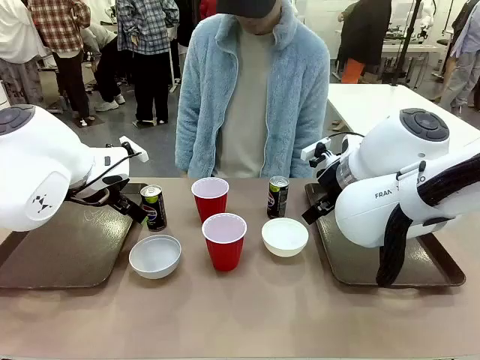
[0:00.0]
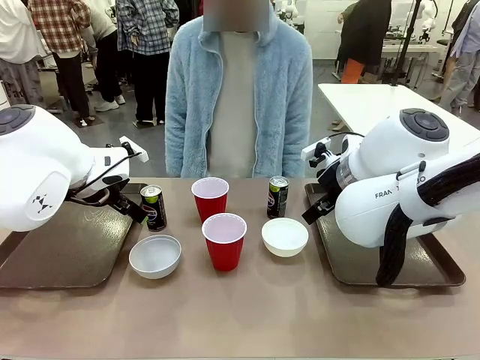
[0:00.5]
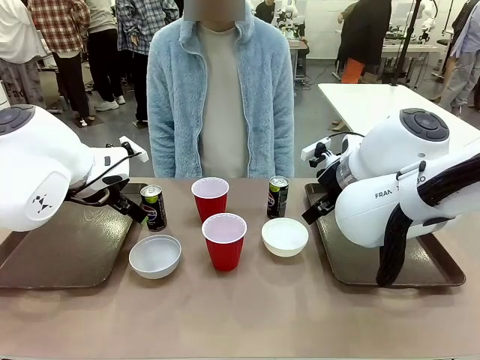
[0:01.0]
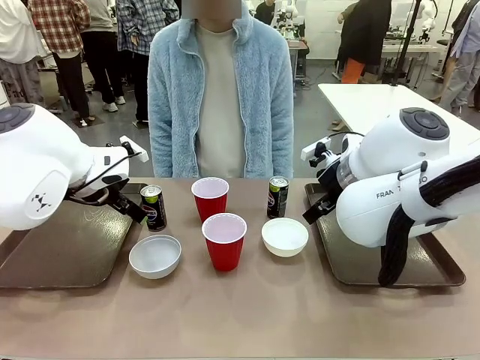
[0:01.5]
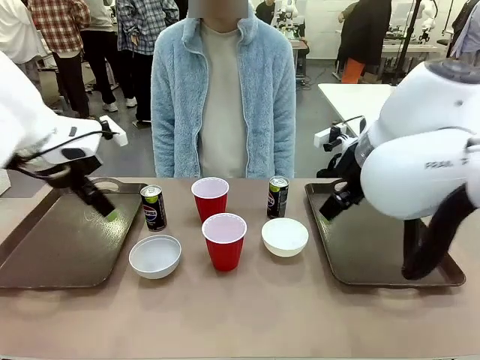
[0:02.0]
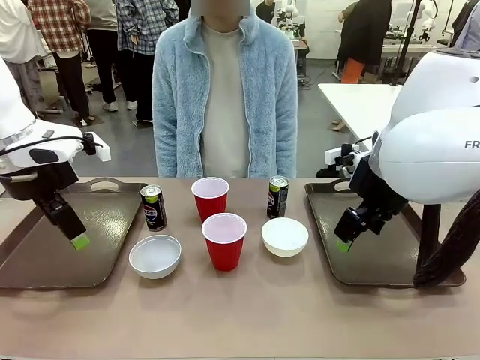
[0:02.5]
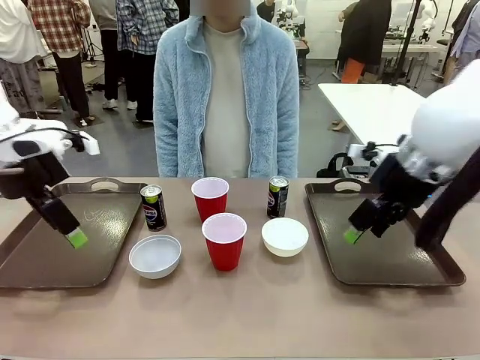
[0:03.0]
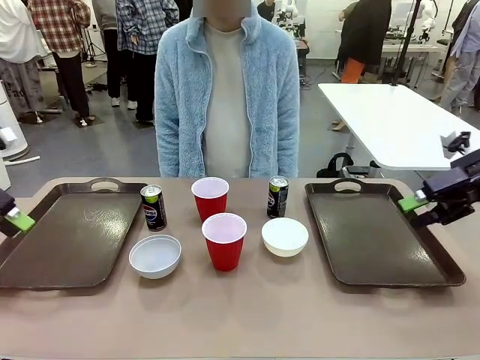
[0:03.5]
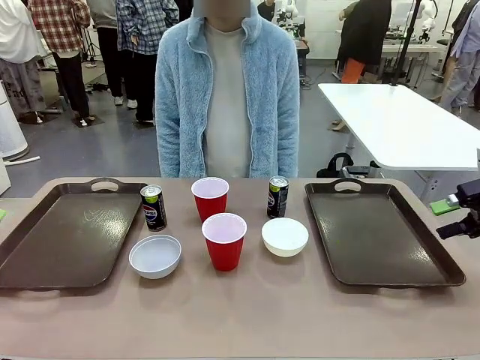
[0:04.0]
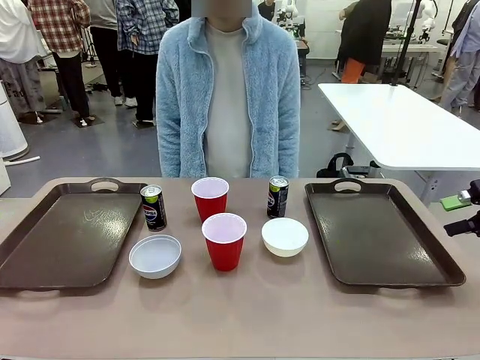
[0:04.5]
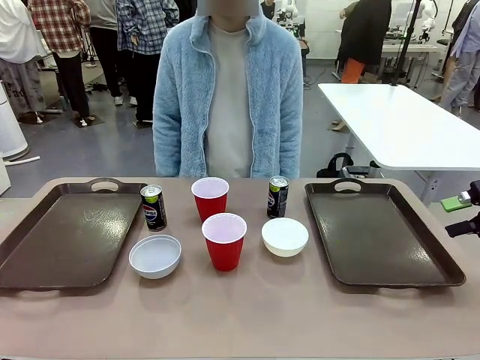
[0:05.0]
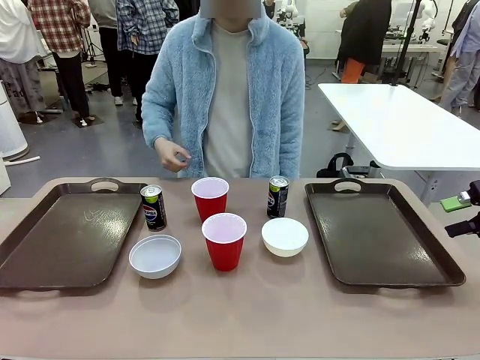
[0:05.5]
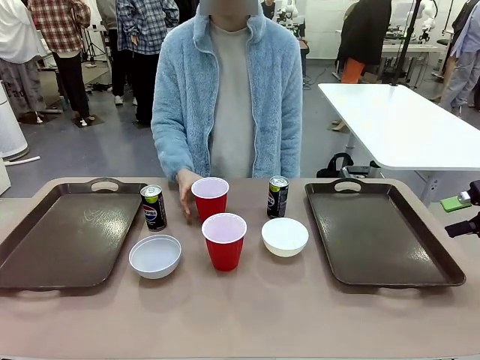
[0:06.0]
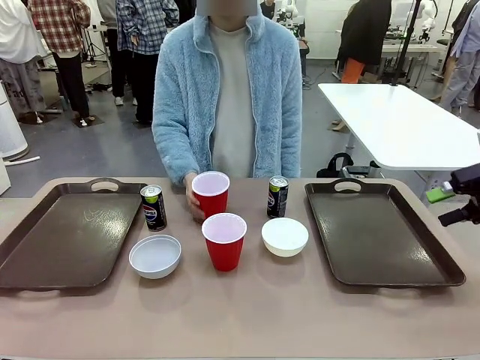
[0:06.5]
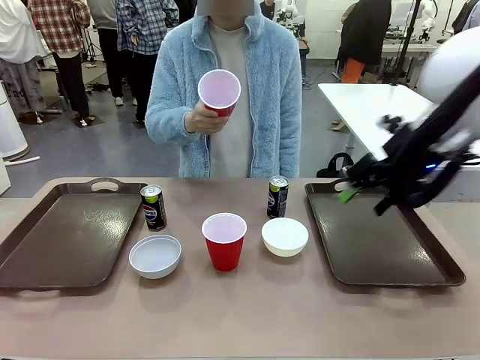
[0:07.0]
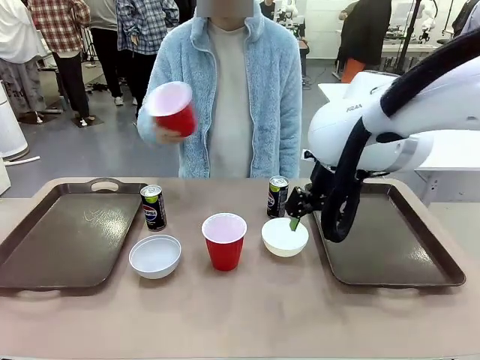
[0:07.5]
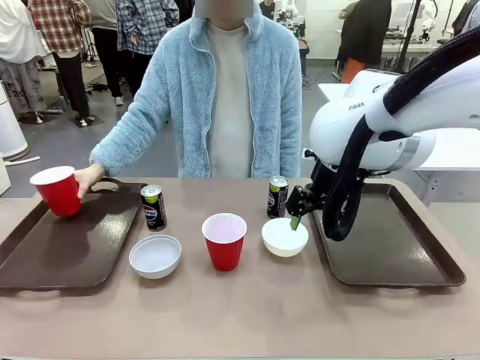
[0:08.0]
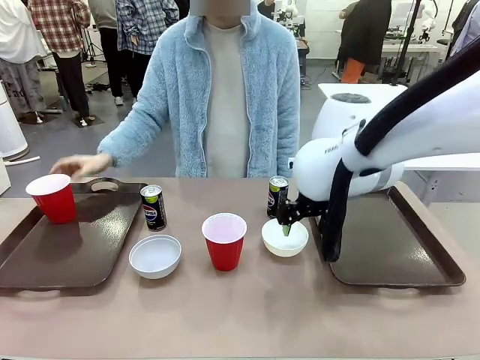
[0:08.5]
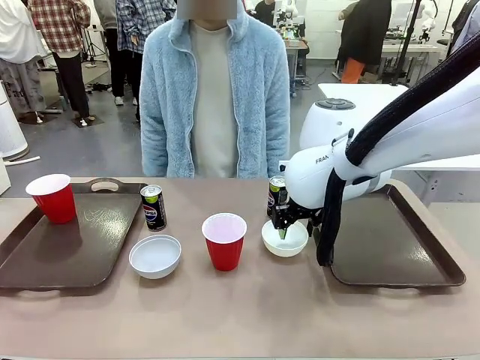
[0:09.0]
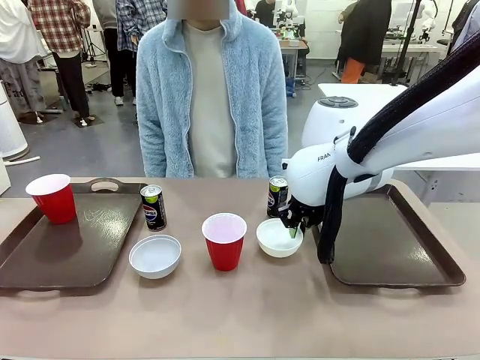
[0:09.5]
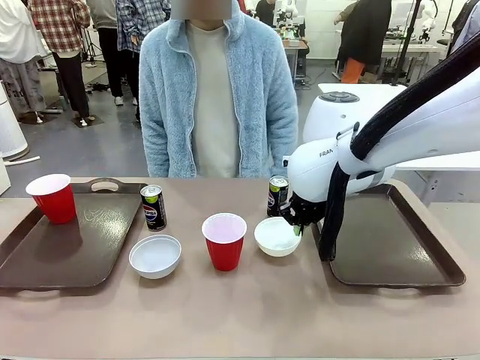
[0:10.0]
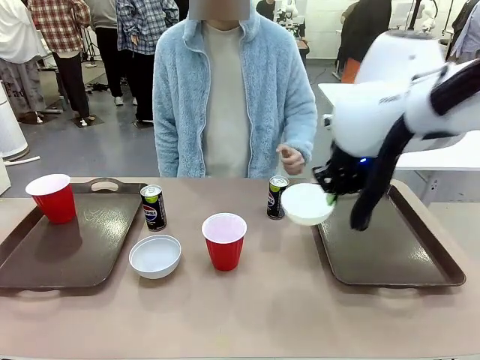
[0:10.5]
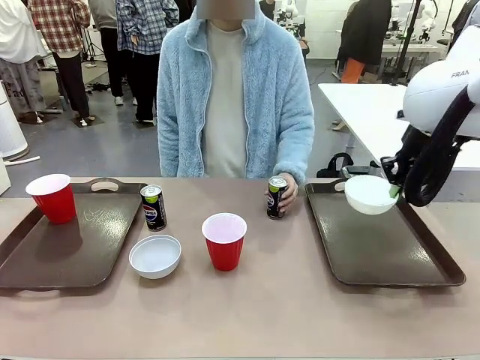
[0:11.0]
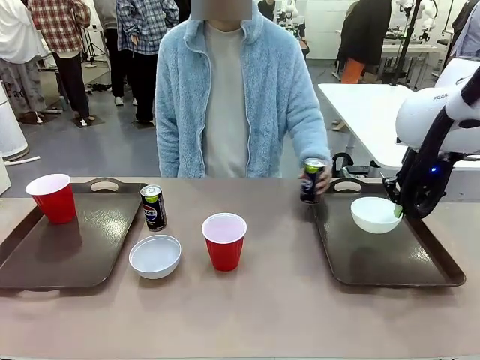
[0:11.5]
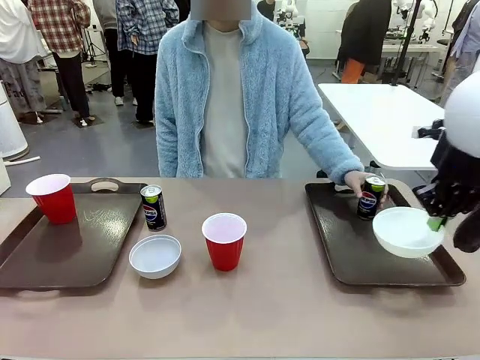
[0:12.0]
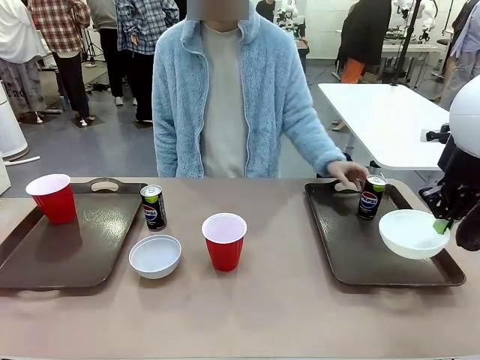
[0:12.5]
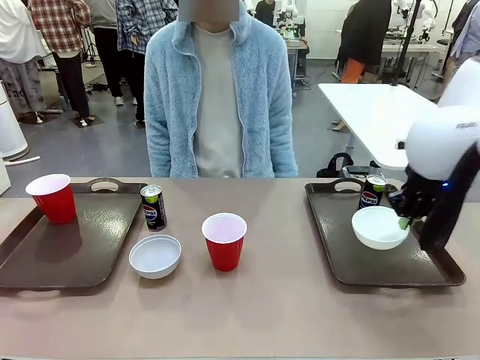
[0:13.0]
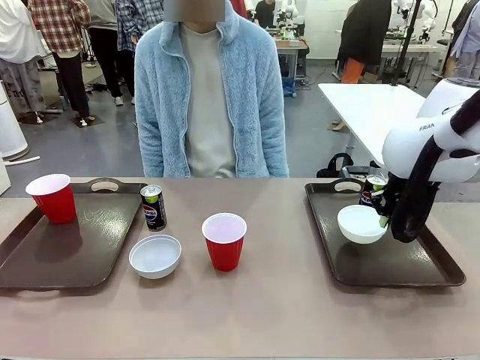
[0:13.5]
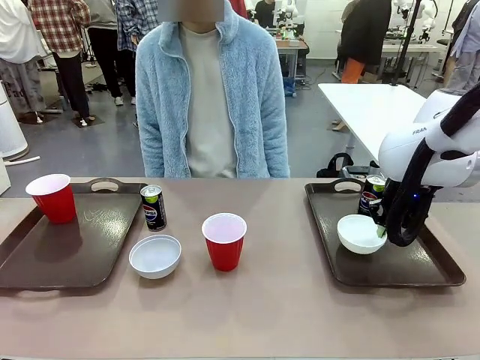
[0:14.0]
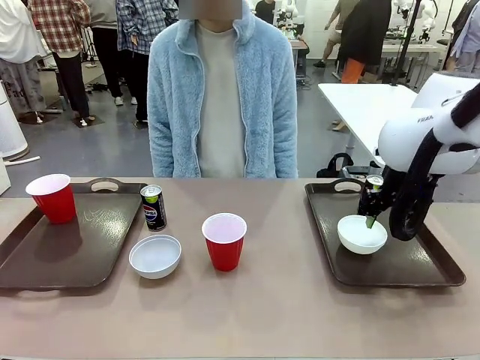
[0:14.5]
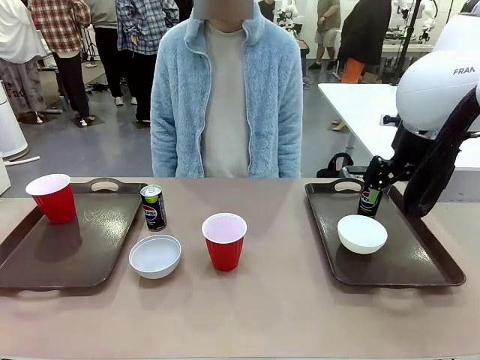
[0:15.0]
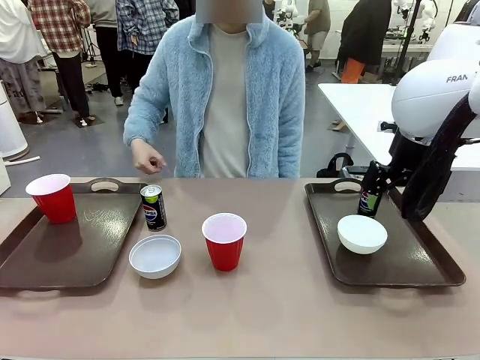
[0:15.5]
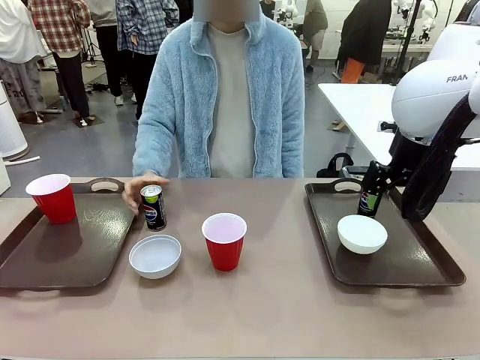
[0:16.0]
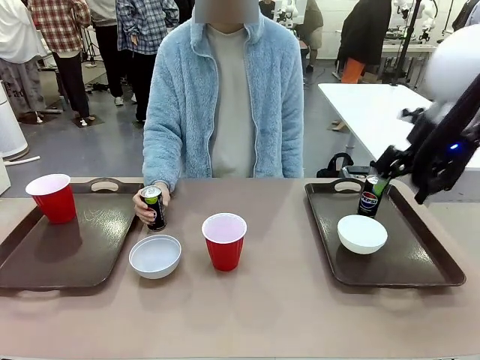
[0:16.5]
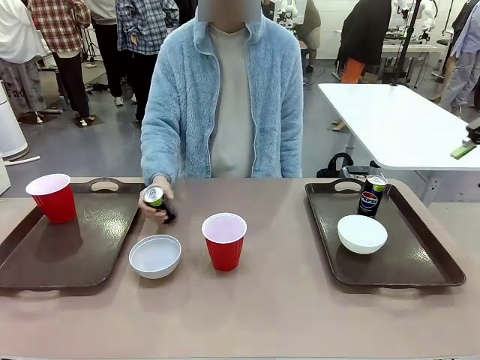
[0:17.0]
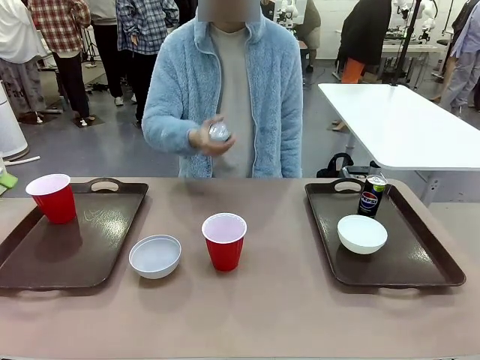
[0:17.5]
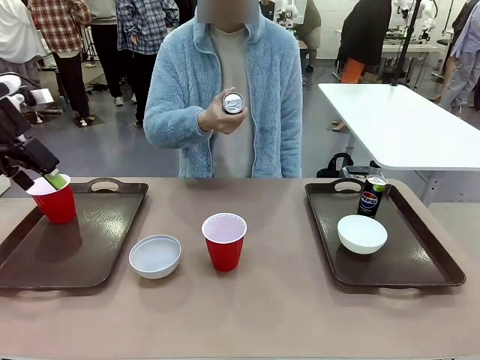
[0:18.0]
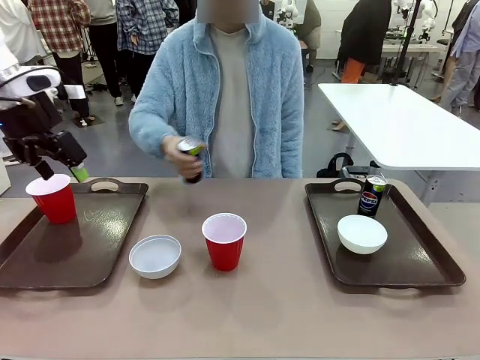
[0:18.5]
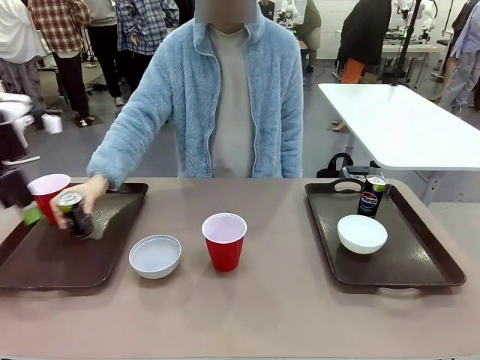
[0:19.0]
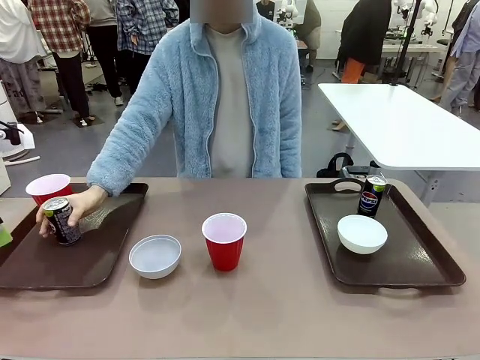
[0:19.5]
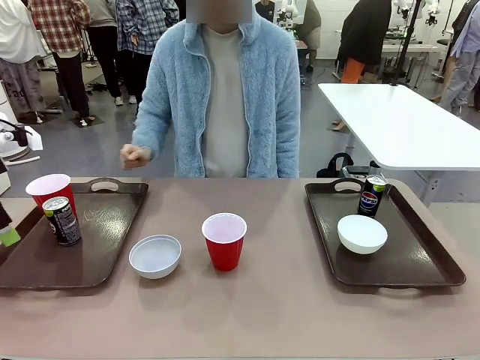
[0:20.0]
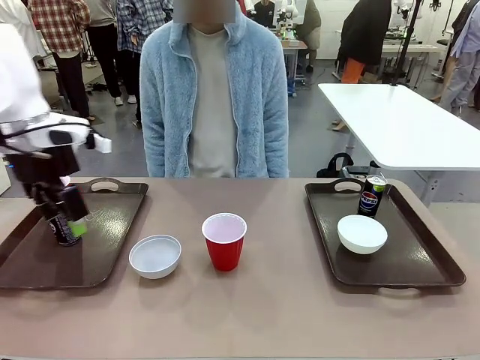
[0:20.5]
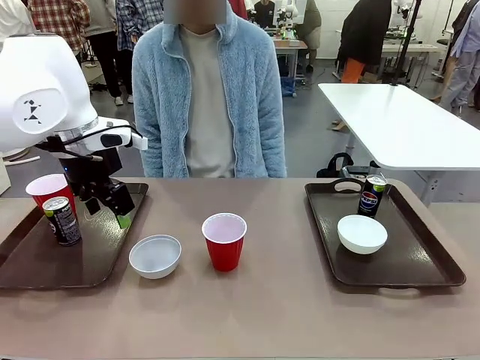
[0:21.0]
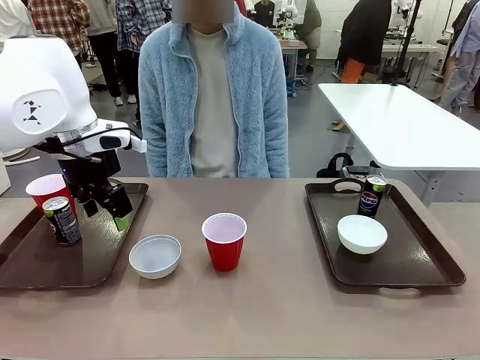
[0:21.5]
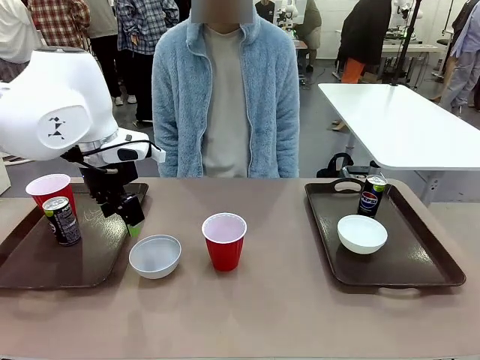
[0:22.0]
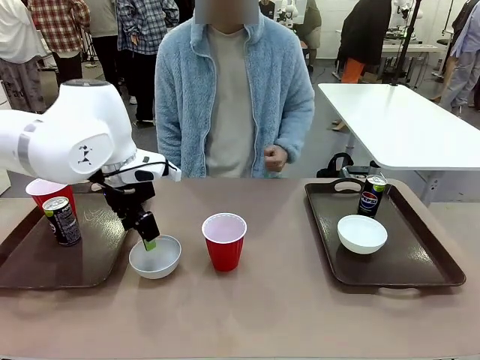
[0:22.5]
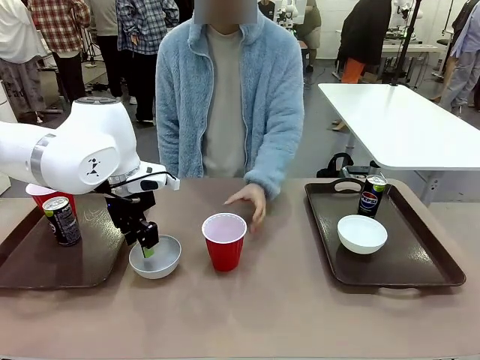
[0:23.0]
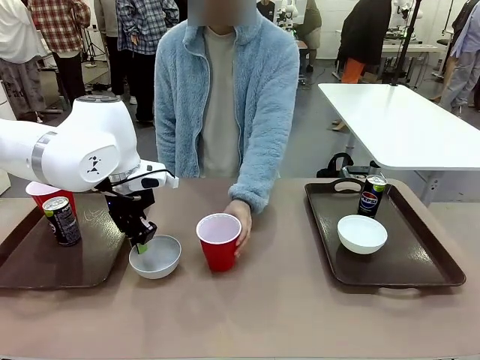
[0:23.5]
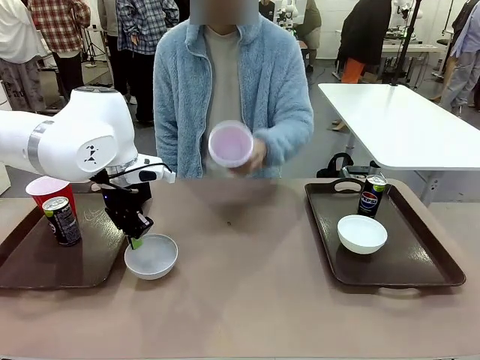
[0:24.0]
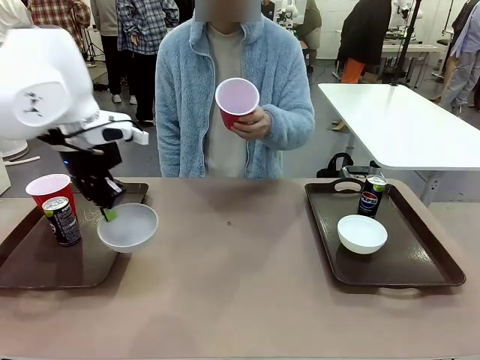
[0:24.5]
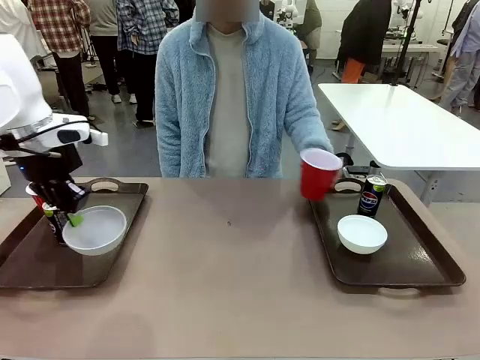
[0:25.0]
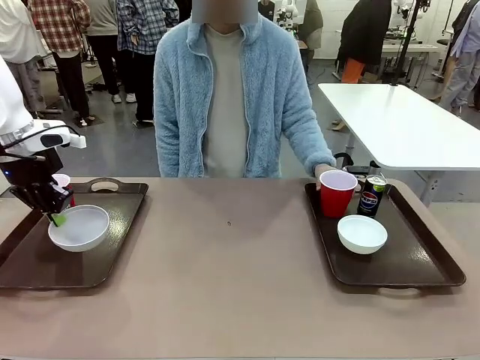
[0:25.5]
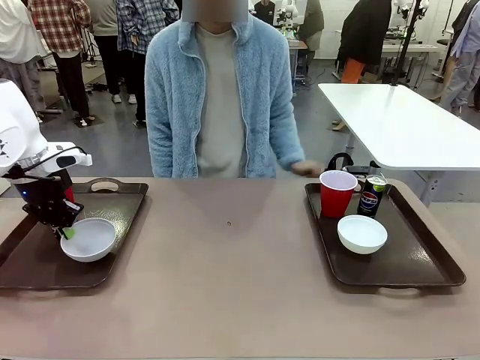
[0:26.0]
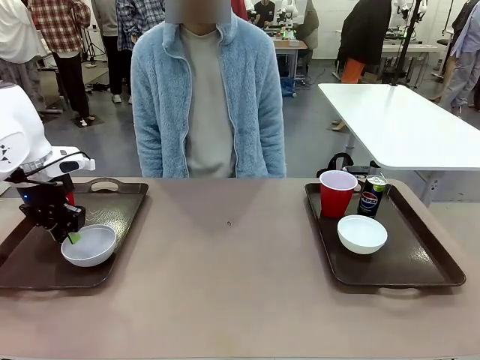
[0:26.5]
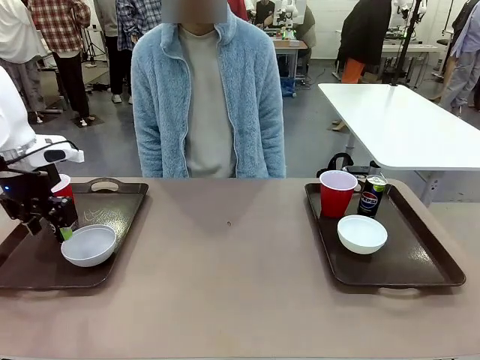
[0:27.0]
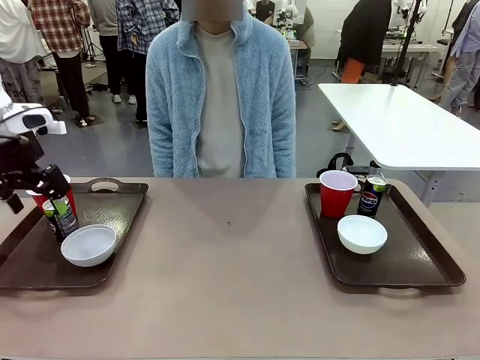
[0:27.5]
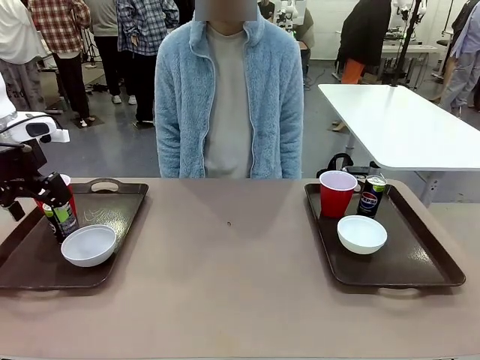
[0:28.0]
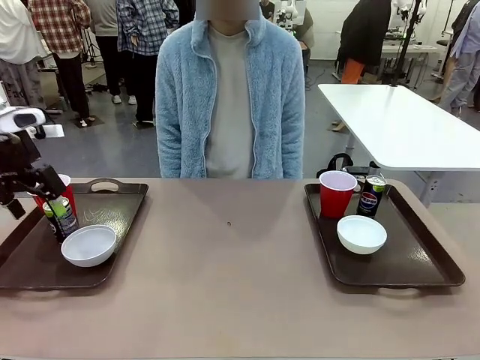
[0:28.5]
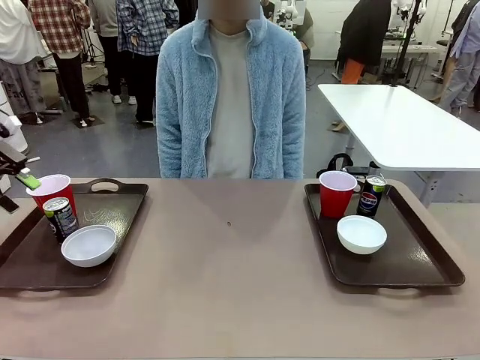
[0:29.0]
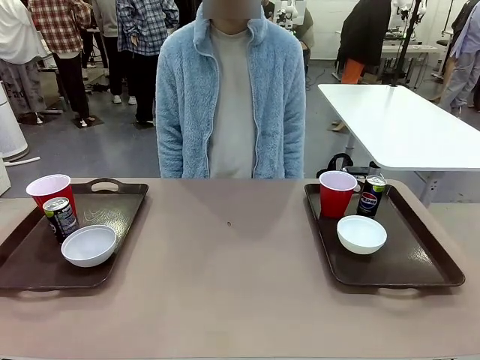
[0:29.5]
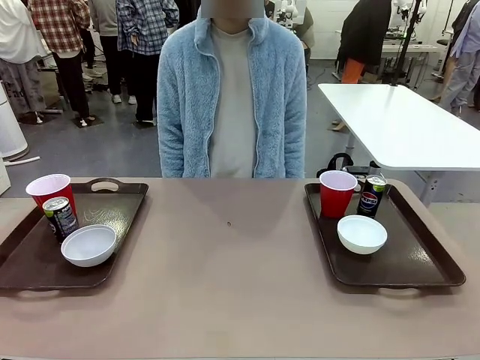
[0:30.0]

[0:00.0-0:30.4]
Task: Prepare tableware on both trays.
Robot: Pick up a Picnic Bowl from the table and place it on a Handle tray.
Person: Pick up a can or cup and place it on the tray. Pick up a can or cup and place it on the tray without a can or cup.
